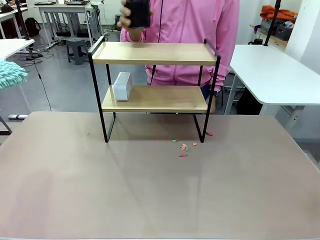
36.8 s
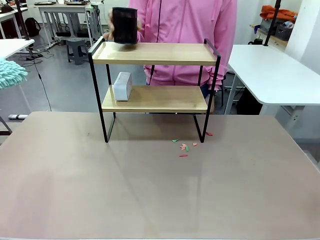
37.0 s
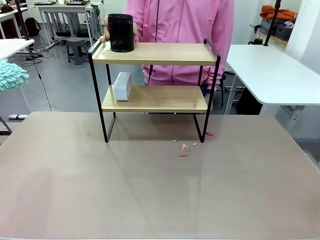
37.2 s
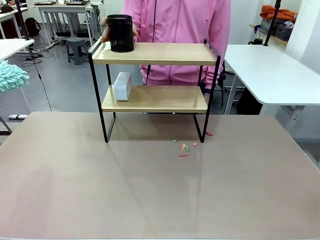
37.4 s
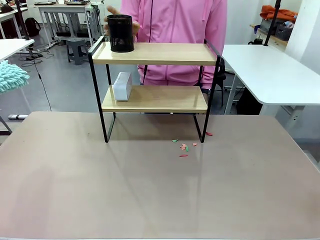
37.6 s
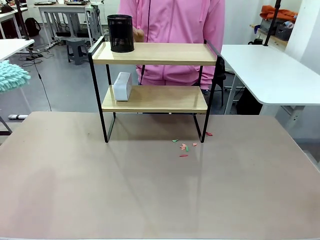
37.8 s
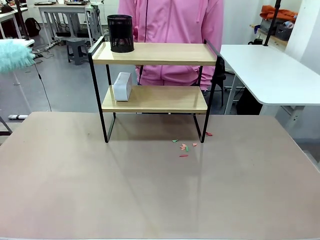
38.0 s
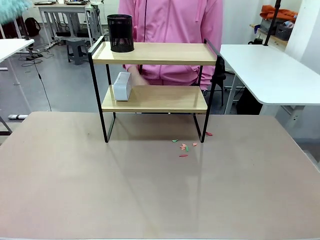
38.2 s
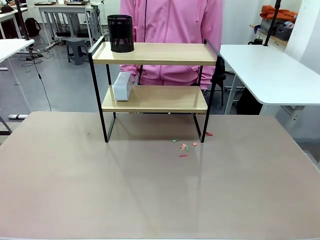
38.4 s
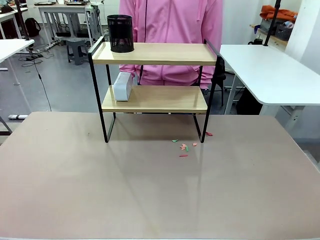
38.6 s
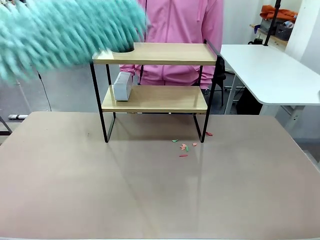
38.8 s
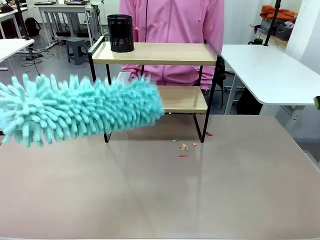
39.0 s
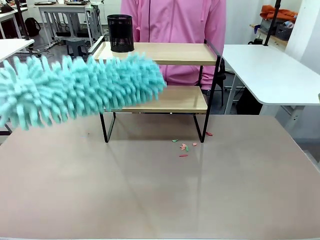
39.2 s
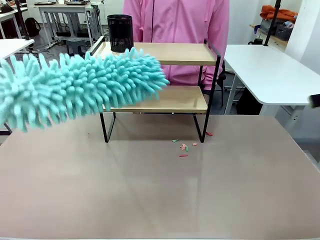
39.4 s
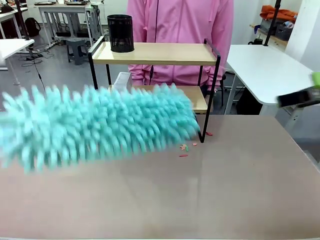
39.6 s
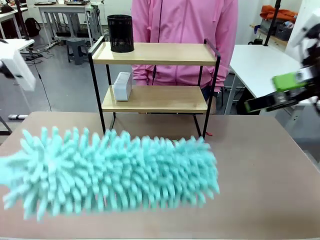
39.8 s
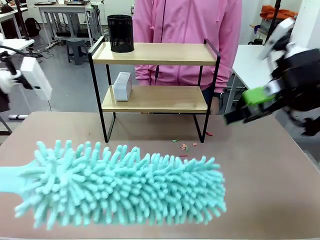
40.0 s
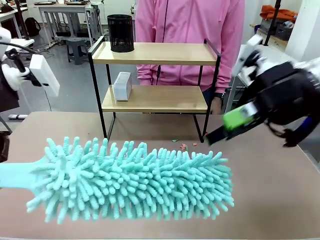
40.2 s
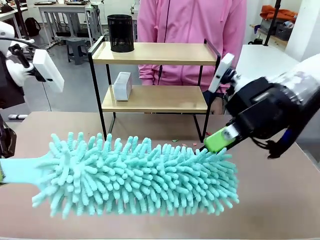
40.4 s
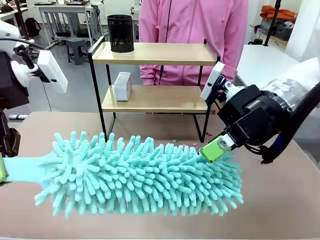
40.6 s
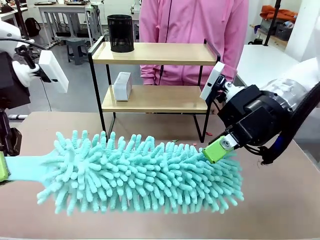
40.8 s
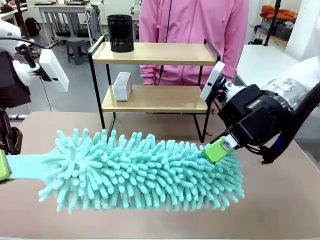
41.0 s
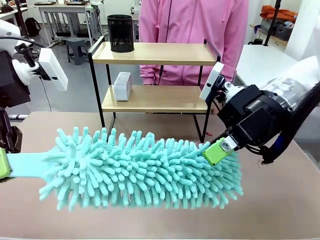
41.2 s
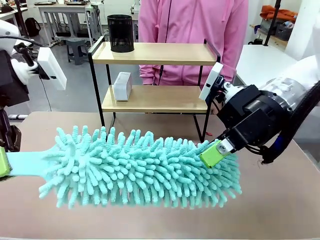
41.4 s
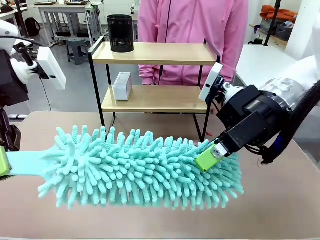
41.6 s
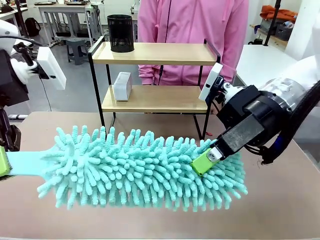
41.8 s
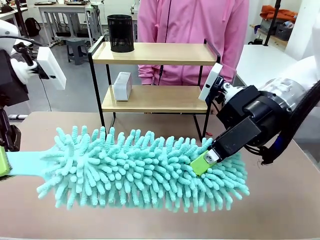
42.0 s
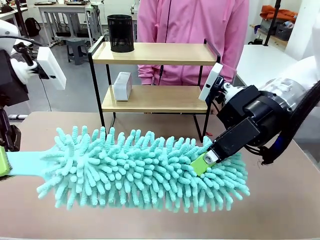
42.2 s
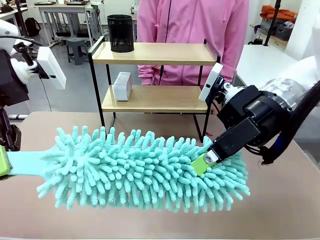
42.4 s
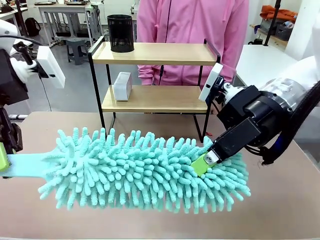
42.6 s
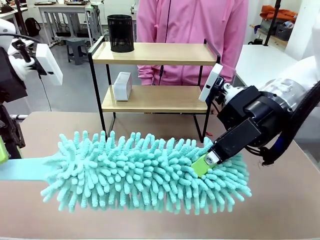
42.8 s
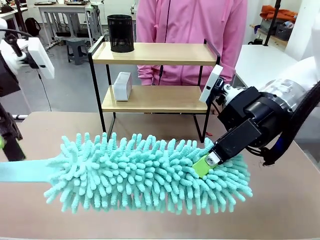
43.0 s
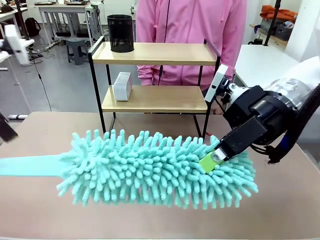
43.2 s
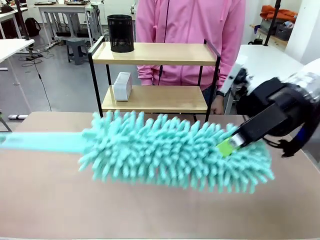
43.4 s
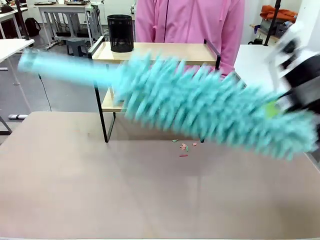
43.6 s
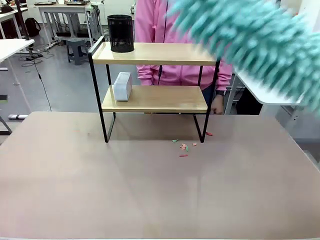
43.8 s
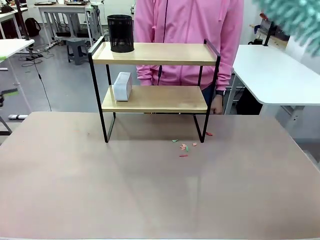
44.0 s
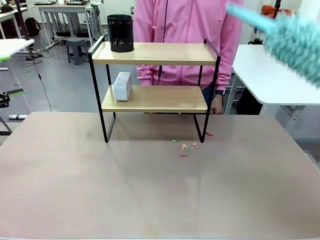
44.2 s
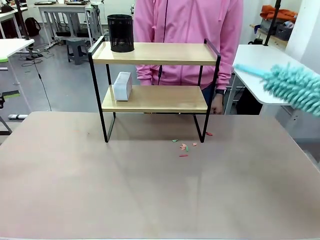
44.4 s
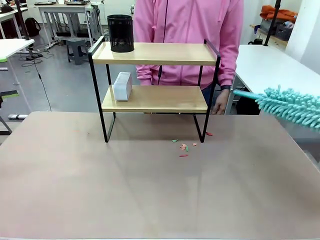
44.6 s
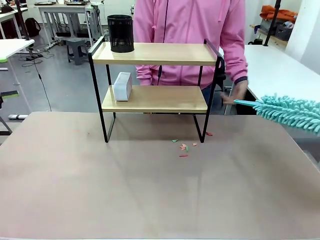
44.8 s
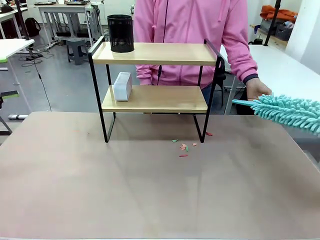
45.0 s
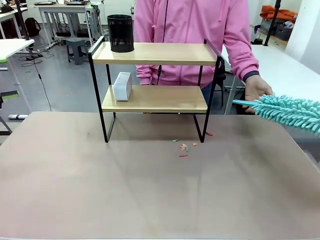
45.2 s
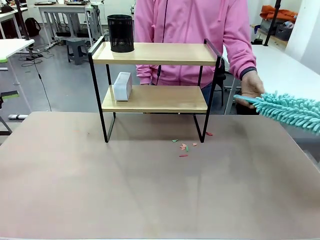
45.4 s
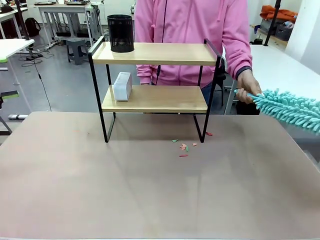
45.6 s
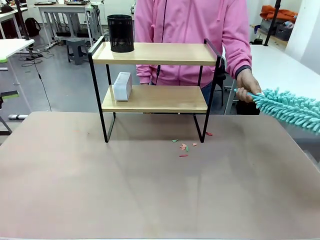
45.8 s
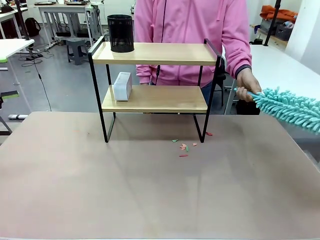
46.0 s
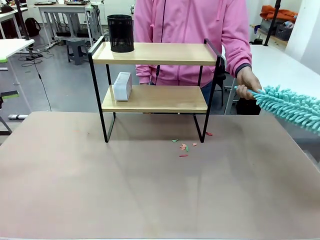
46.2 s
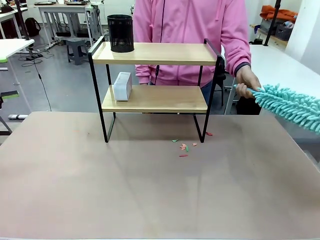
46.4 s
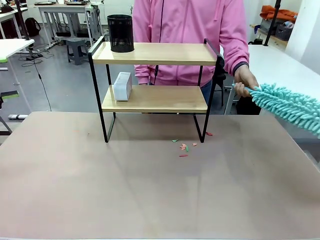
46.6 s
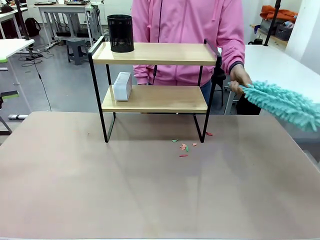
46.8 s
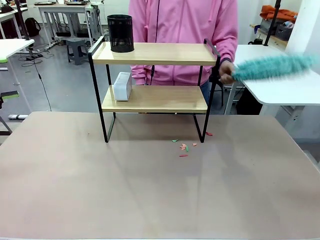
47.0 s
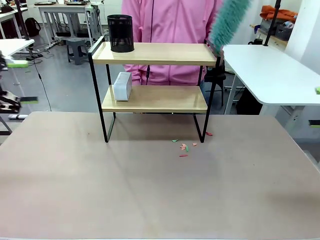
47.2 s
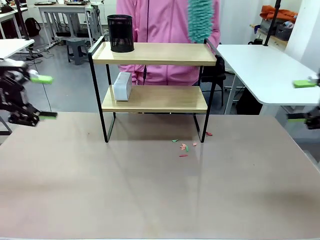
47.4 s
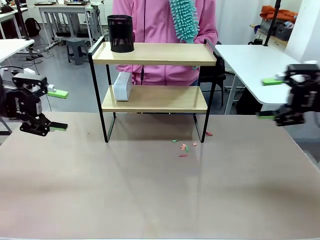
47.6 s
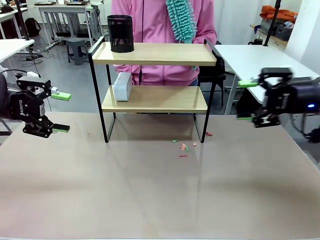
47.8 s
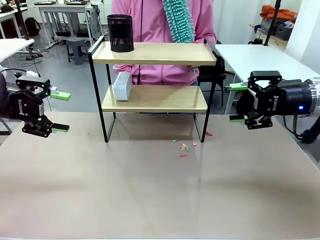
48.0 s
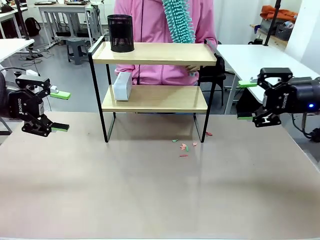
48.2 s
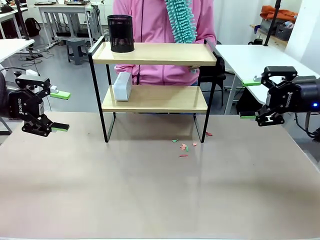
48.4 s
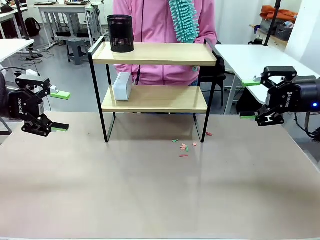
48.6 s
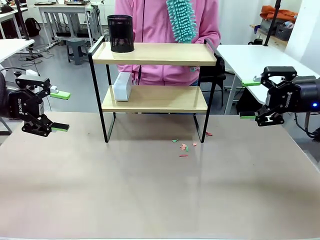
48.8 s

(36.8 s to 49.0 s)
Task: Clean the shelf.
Robot: Hand the Duster back to the human.

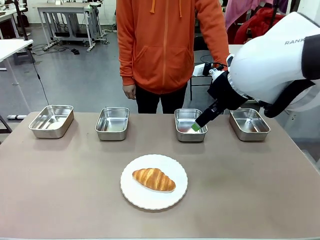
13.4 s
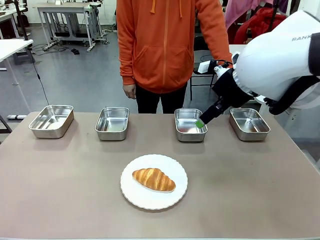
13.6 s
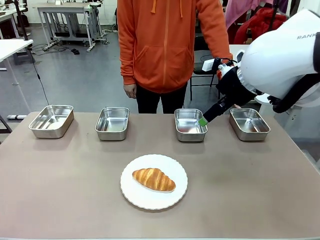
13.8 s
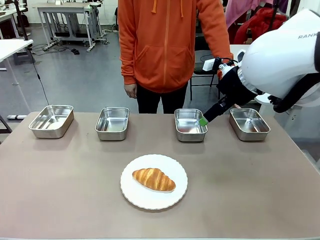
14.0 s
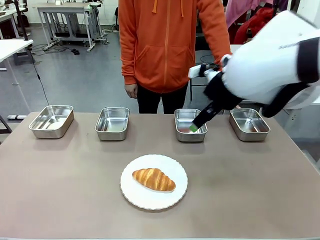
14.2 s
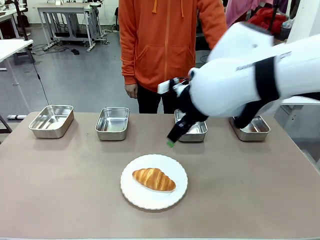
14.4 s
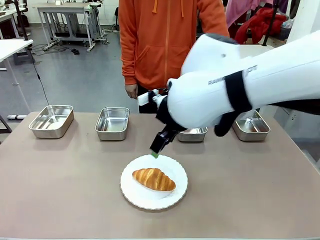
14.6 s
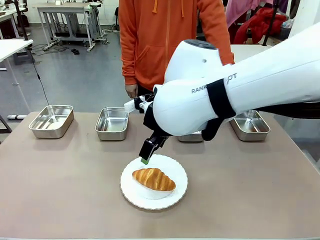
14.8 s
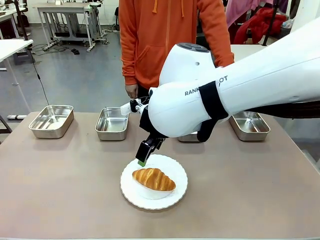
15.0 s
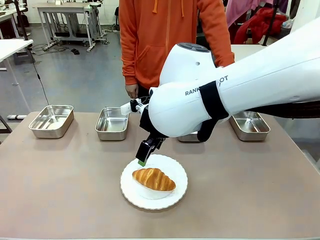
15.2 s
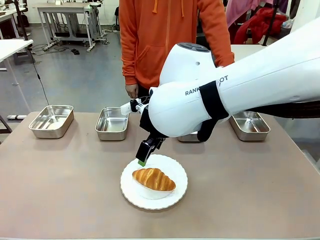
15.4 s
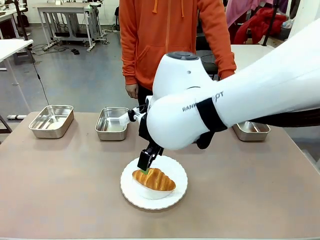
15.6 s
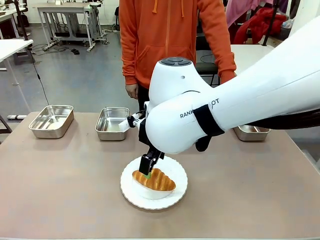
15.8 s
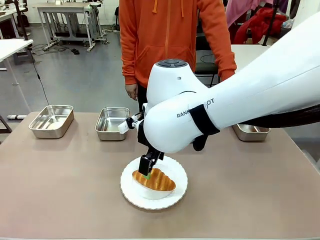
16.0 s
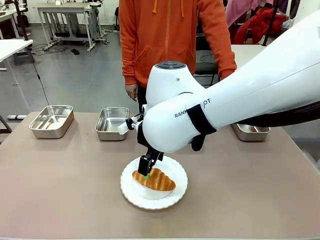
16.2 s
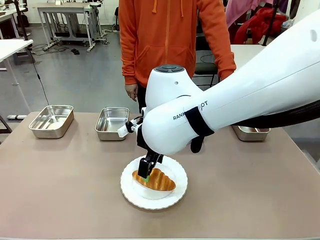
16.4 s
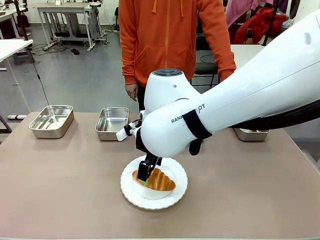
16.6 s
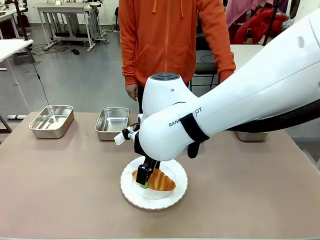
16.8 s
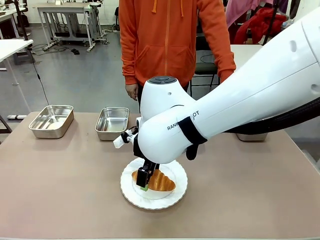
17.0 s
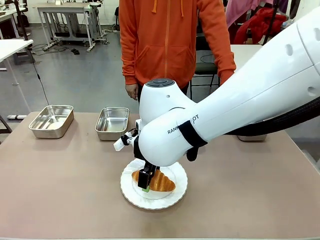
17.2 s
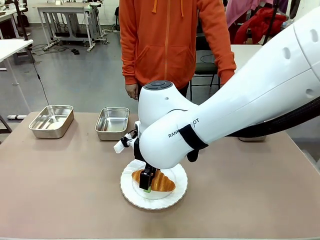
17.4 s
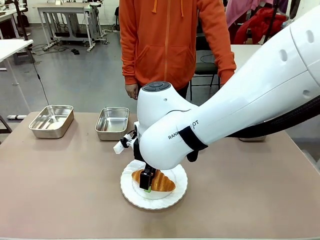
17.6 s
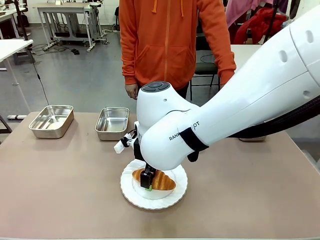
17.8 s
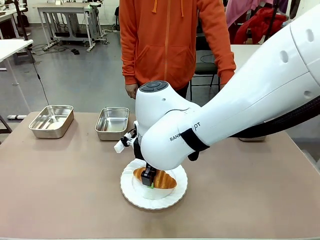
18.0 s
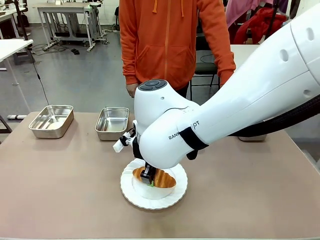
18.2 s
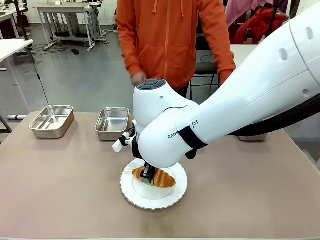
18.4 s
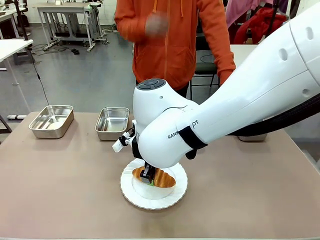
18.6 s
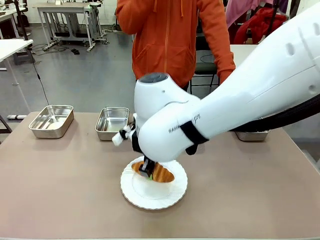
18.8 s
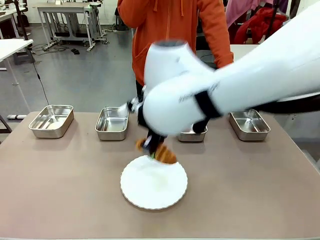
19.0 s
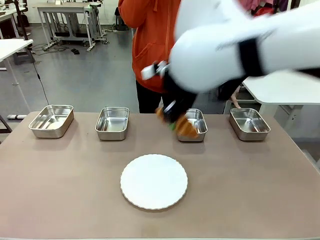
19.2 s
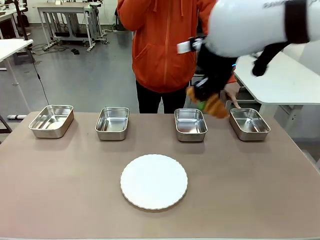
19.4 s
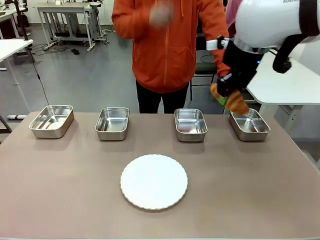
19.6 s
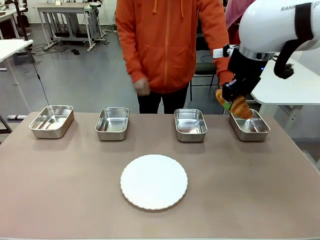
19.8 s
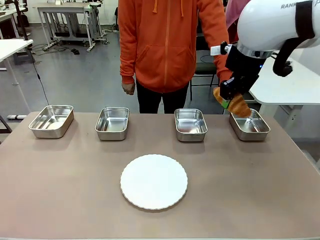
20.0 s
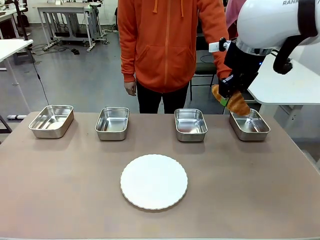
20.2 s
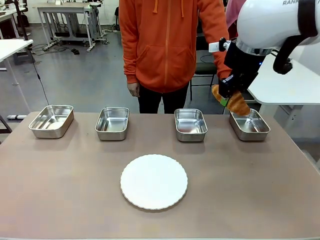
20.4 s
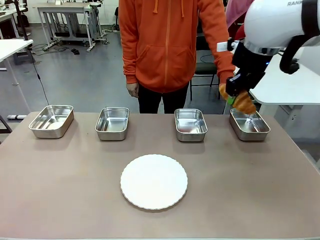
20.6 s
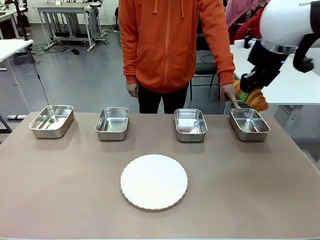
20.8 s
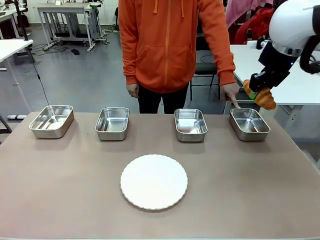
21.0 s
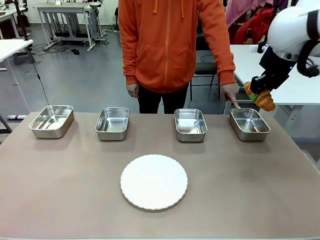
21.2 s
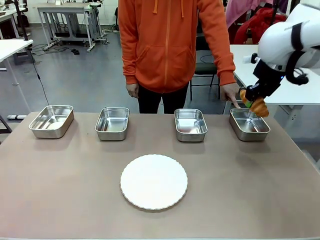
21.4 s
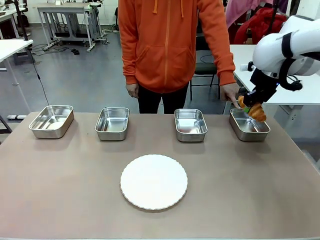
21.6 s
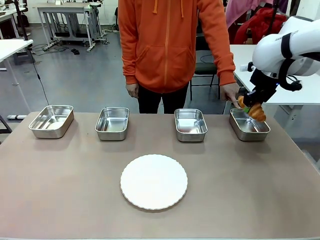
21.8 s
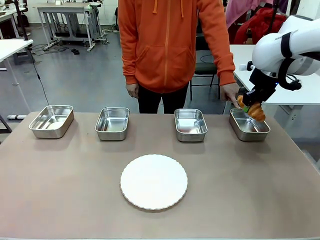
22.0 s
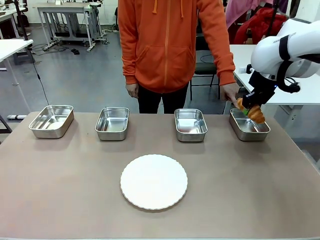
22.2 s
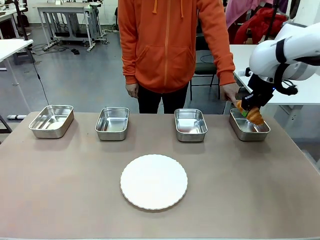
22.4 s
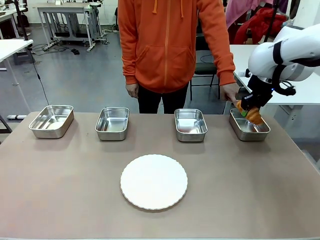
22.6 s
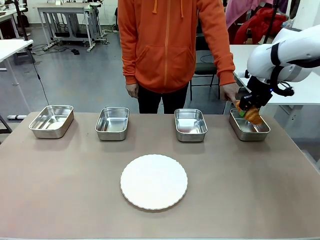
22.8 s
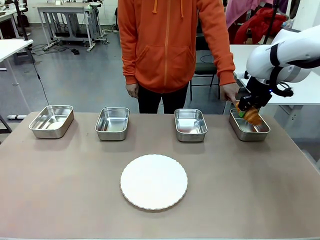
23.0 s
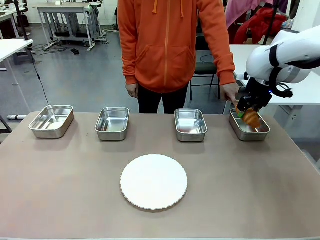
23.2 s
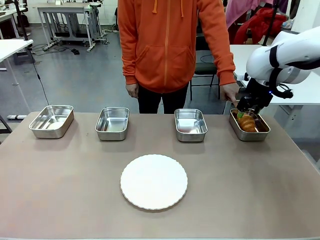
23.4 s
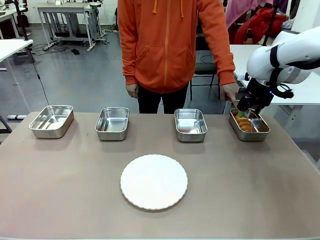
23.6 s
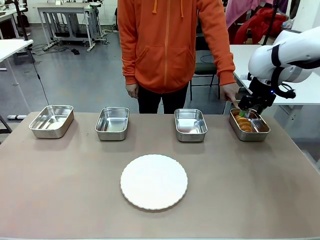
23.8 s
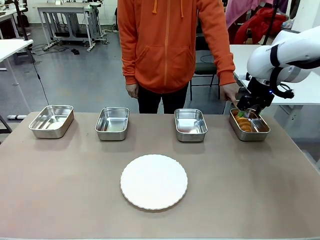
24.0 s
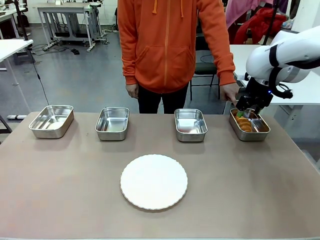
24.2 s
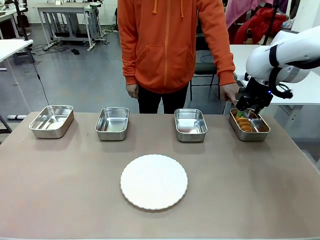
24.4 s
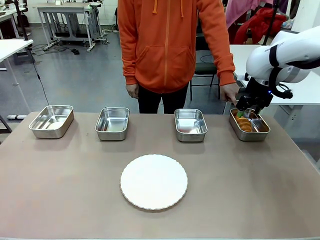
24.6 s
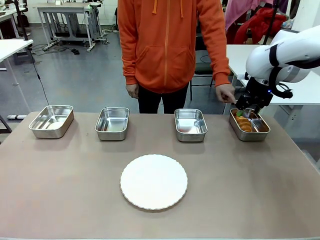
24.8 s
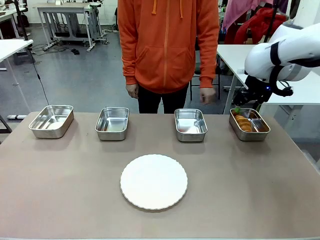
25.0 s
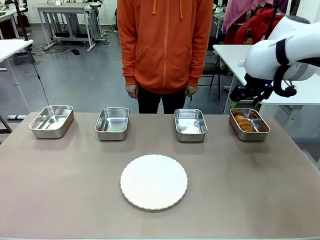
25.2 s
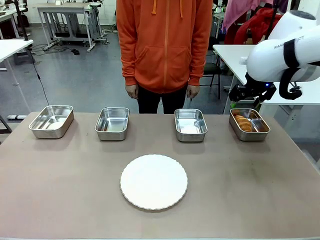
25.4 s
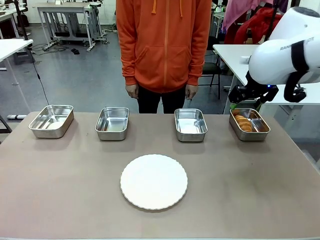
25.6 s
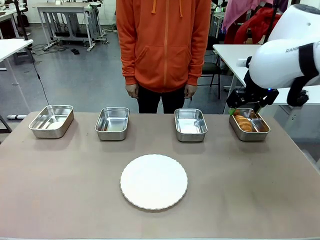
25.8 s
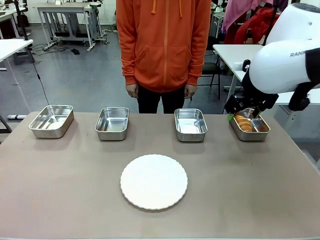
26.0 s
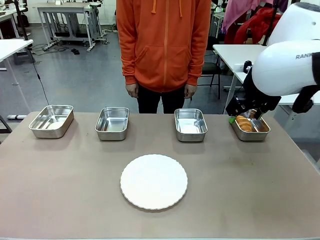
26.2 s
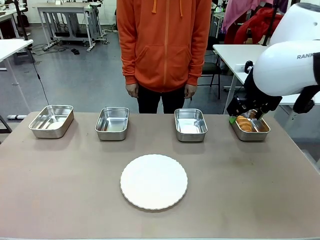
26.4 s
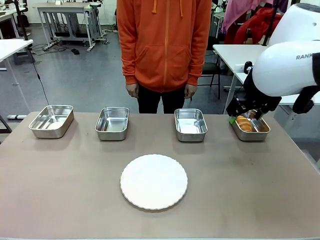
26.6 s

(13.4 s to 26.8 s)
Task: Place the bread in the container.
Robot: Place the Butter Roll into the Airtight Container indicated by the human.
